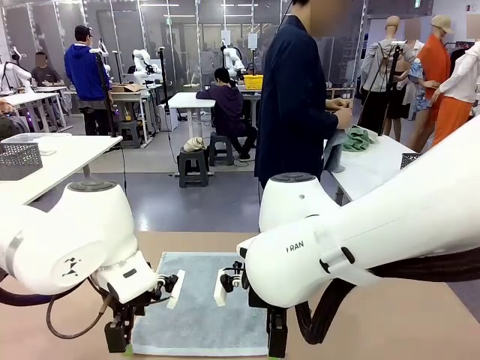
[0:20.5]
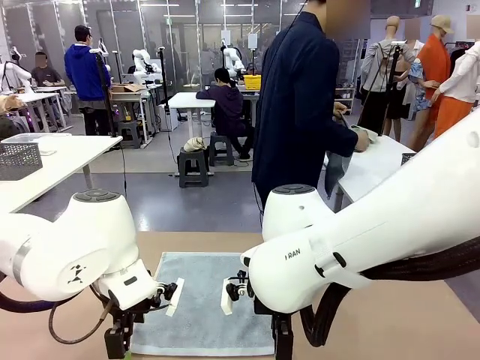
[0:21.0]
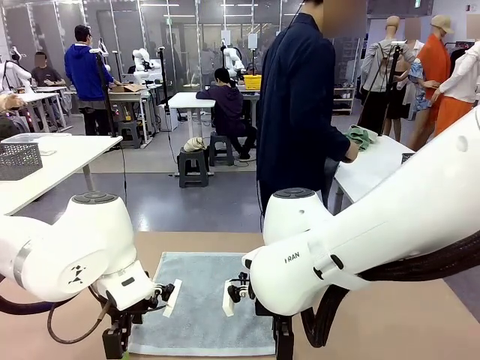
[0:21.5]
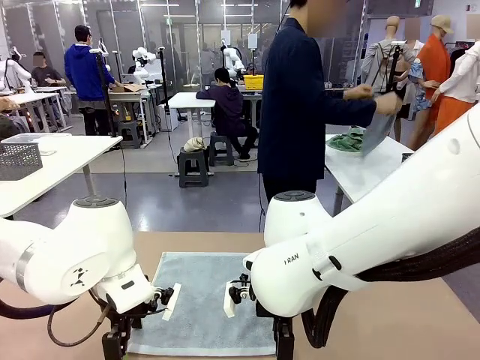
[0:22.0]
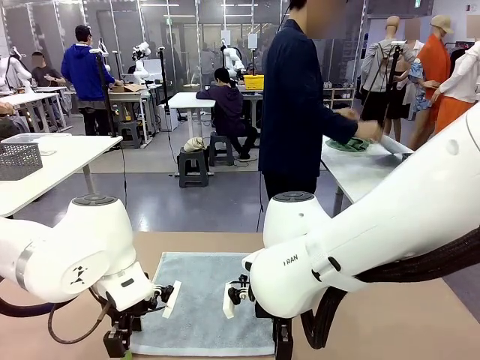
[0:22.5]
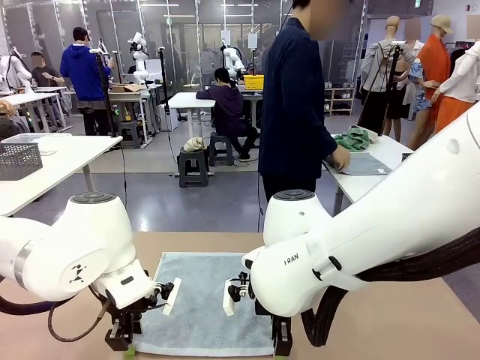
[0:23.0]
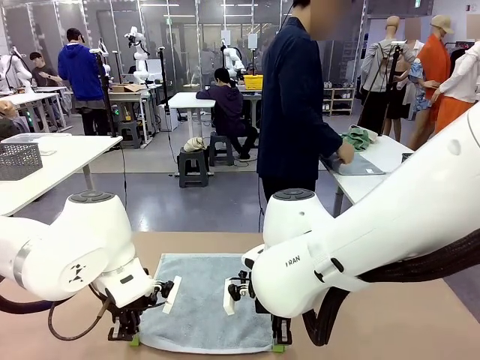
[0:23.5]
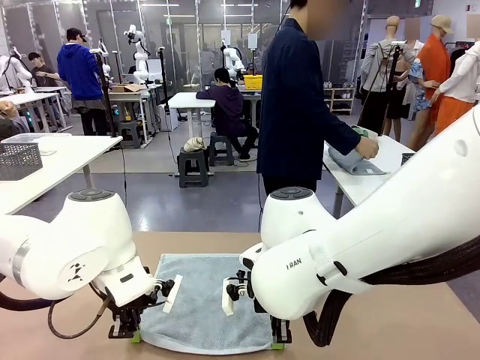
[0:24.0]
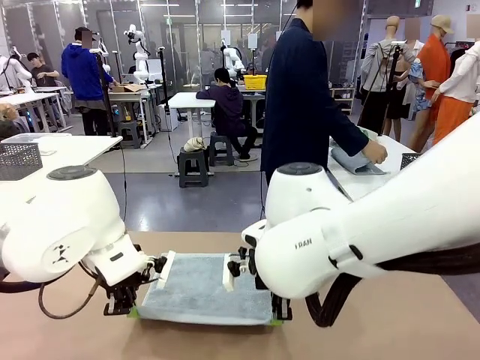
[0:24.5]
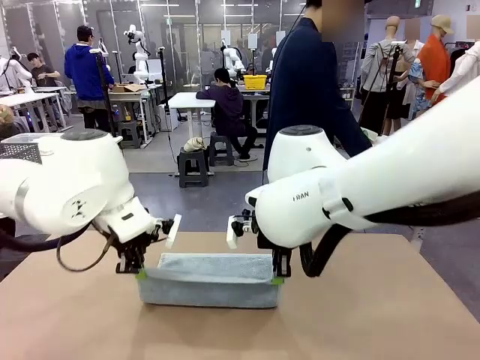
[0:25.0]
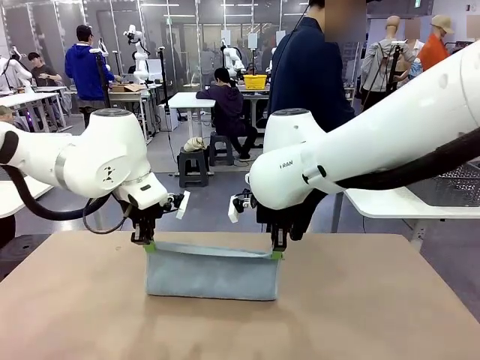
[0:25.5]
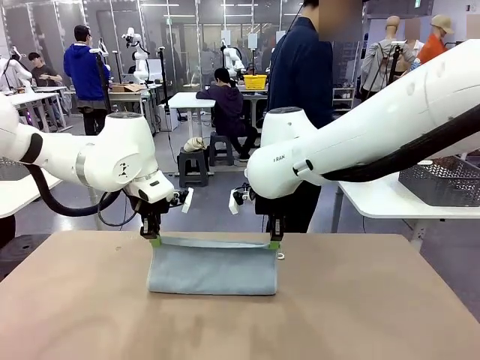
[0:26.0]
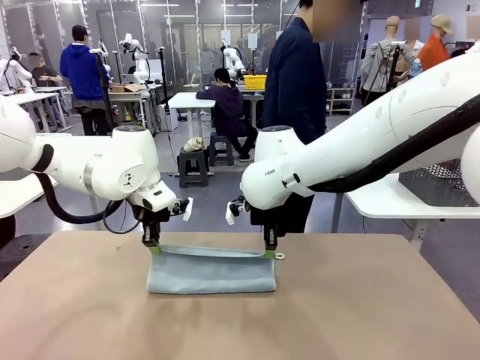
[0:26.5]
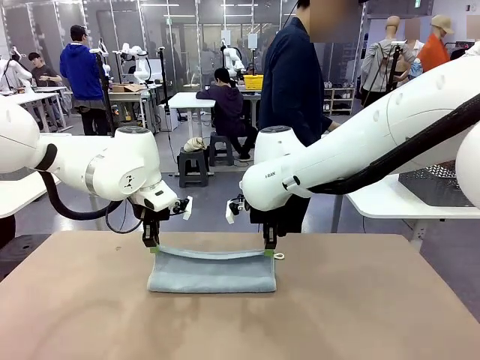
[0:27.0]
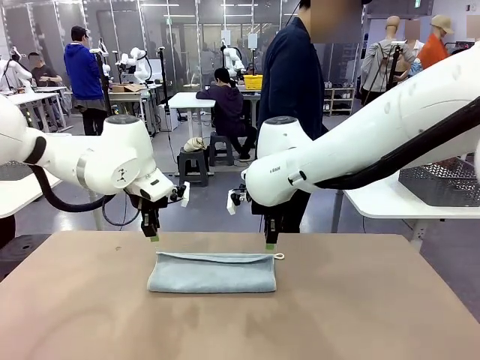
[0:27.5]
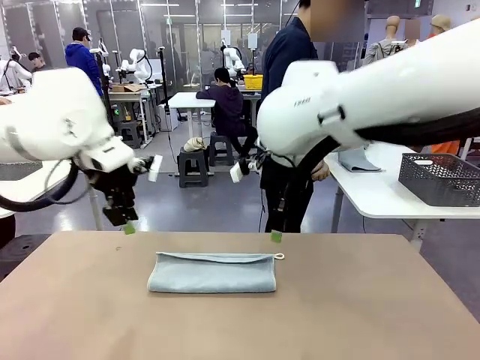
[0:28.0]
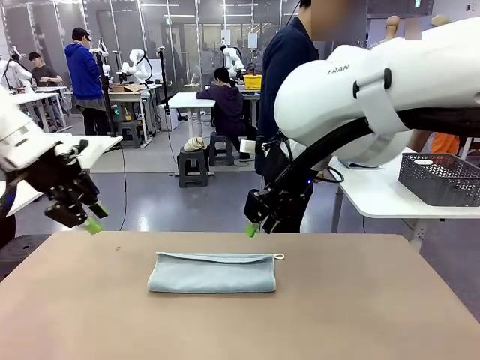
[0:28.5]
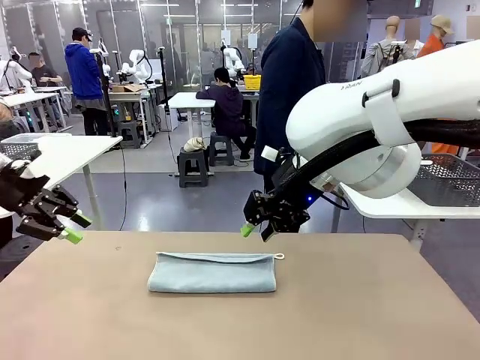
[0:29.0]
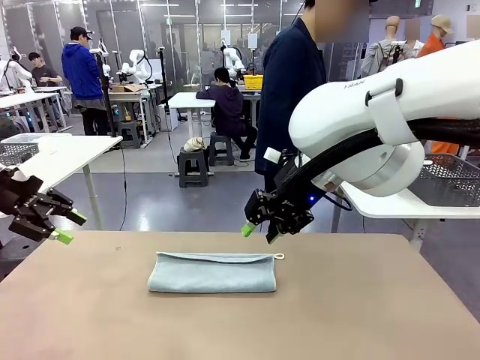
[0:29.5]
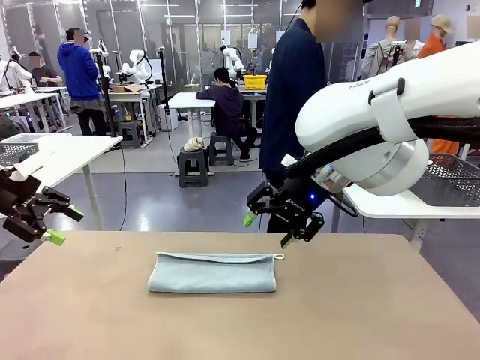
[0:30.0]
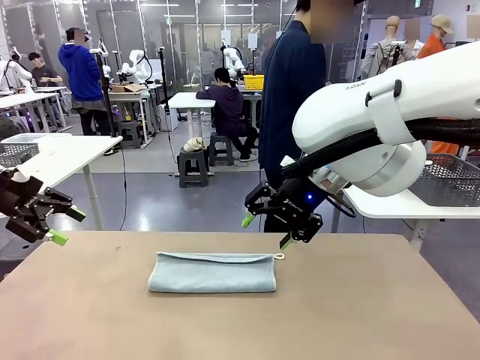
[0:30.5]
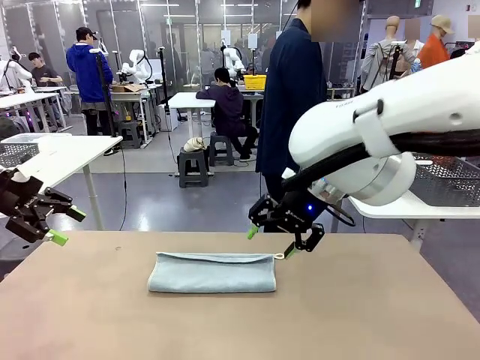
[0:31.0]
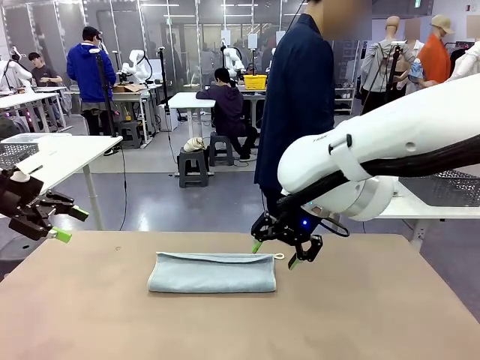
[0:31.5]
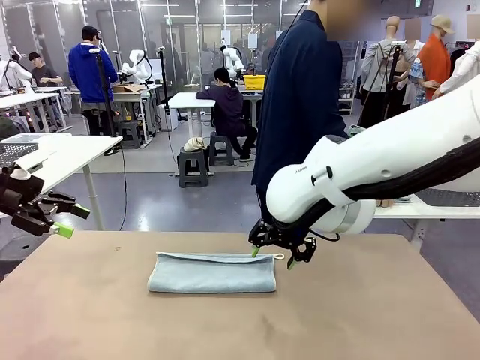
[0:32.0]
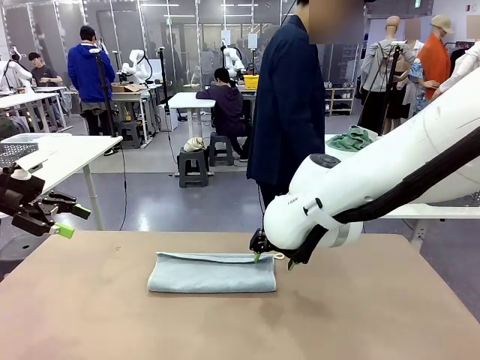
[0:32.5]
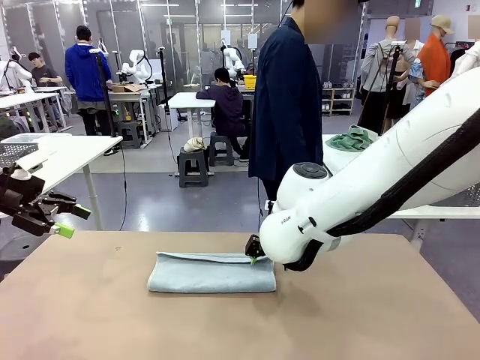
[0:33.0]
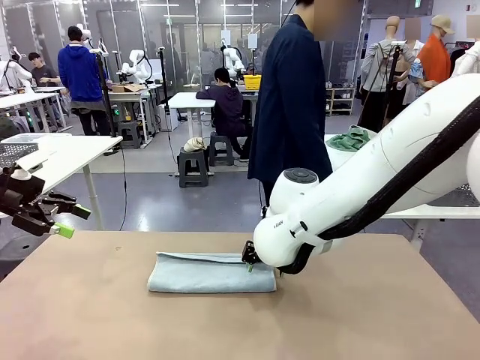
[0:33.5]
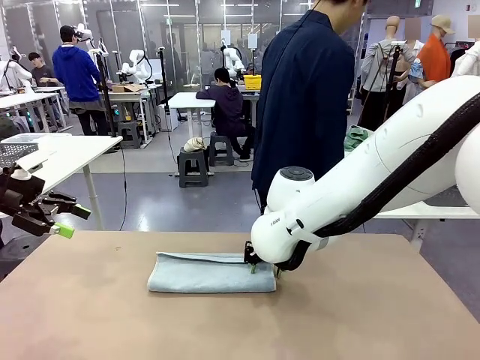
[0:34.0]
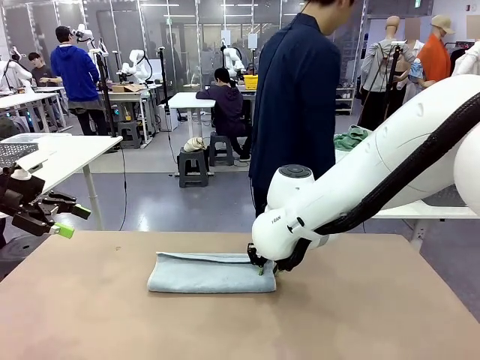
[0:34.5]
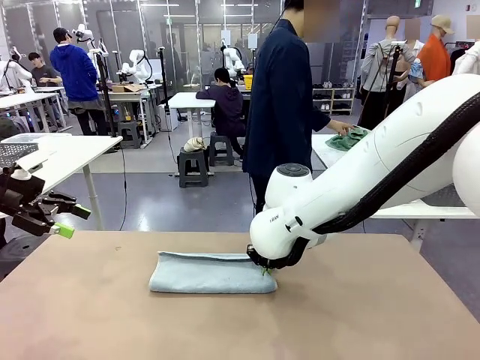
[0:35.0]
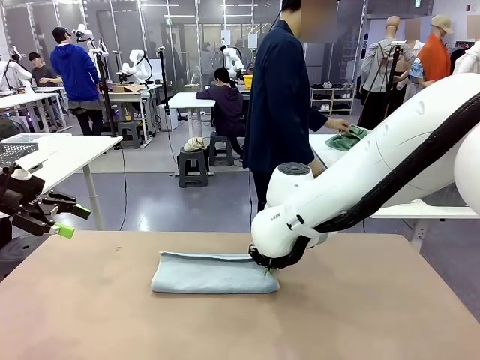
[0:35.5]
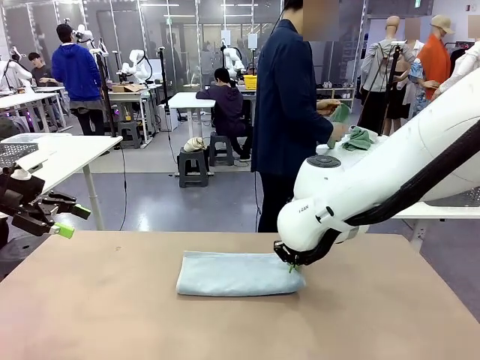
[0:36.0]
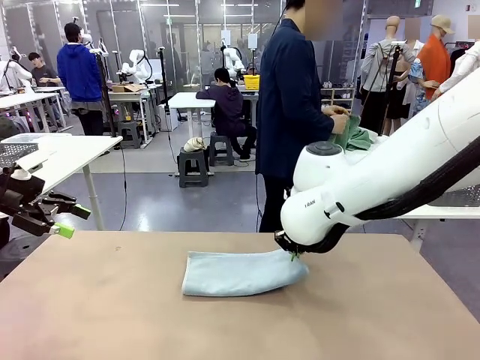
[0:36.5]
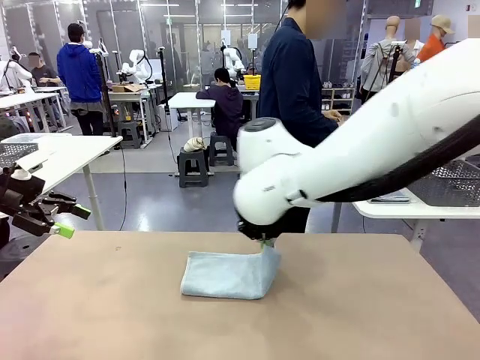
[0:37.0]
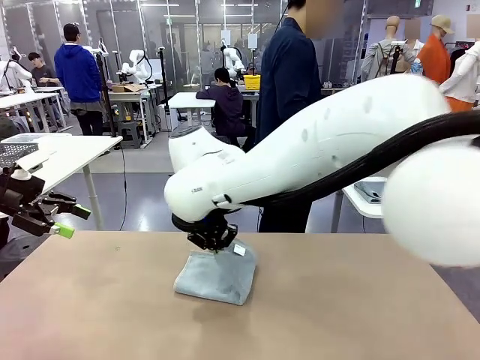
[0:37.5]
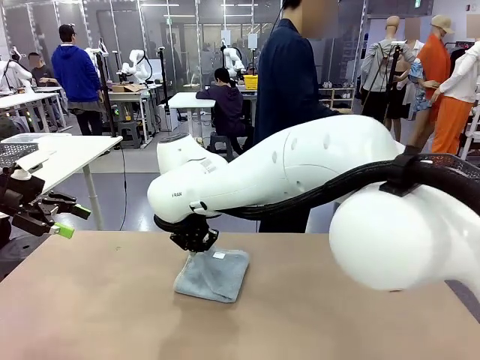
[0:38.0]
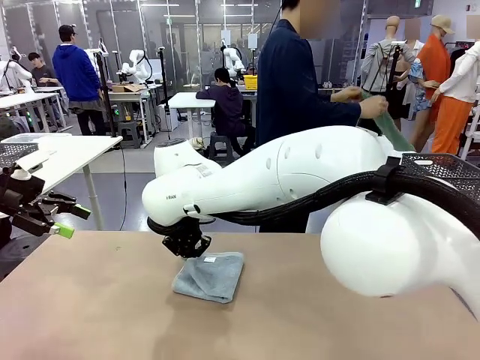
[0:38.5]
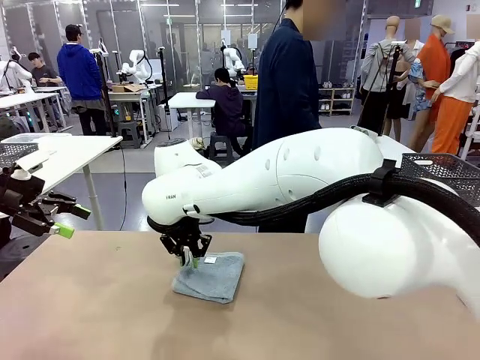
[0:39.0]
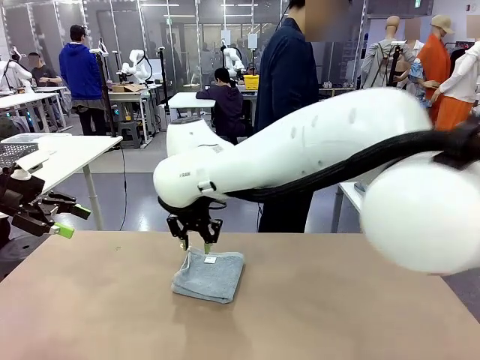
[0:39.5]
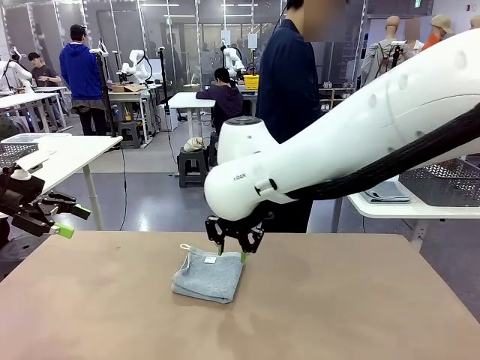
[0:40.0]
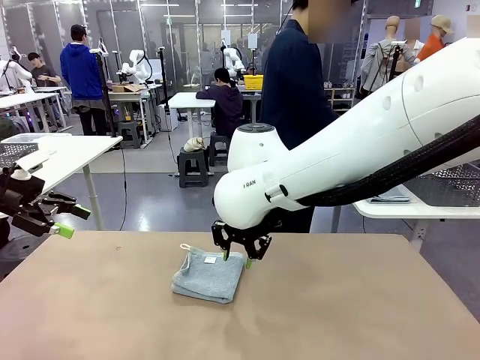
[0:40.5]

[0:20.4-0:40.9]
Task: Fold the towels and place them in the basket.
Robot: When a person lays out a Towel with hook on the table, fold it in half twice.
Person: Pick up one towel from the left side of the human table, fold it in half twice, and place it on the right side of the table. Pick up one towel from the left side of the human table, fold it in half twice, and stack it on the right side of the table.

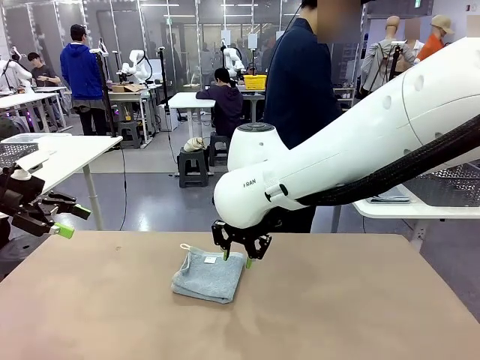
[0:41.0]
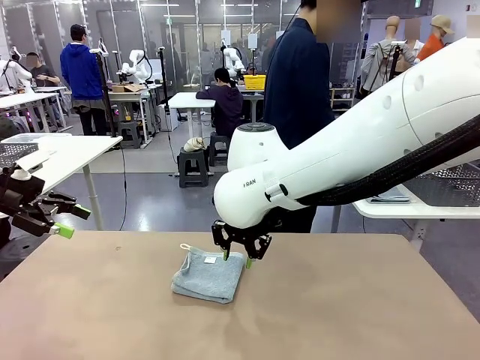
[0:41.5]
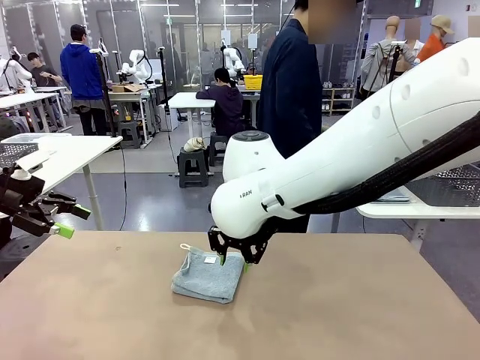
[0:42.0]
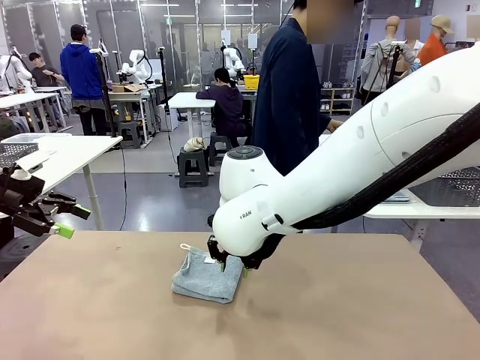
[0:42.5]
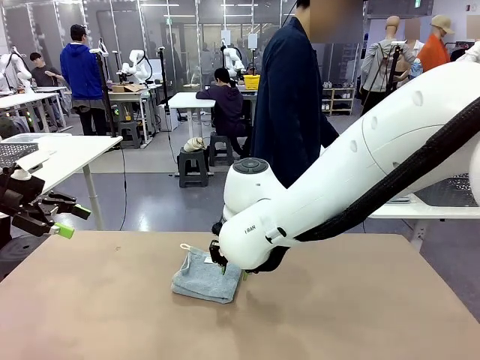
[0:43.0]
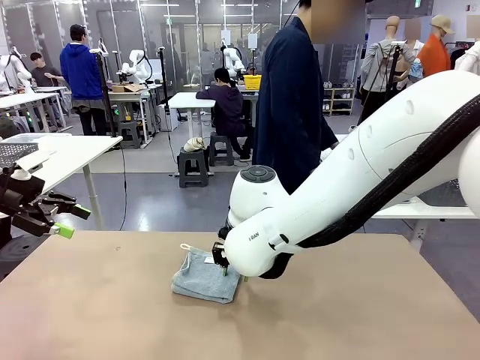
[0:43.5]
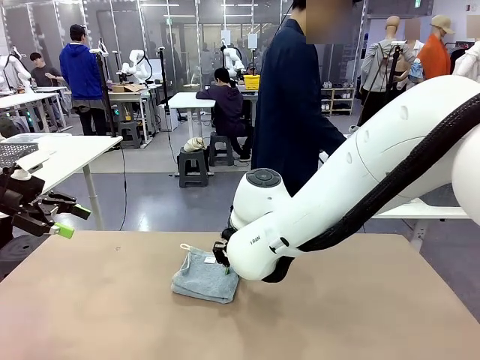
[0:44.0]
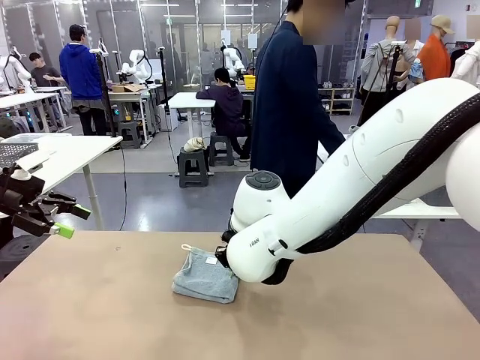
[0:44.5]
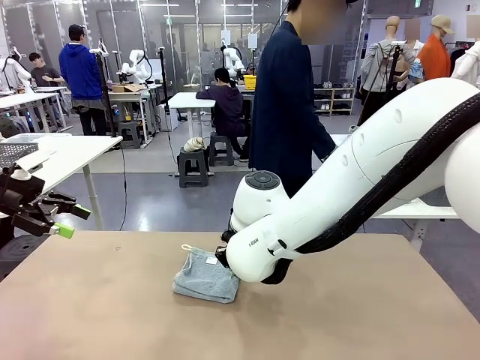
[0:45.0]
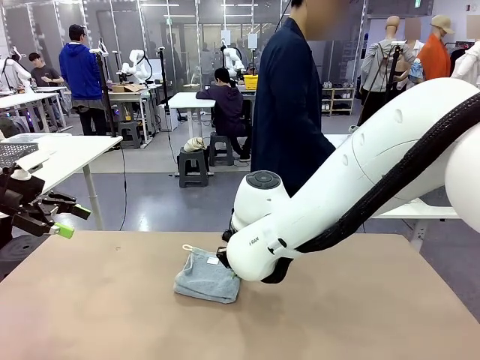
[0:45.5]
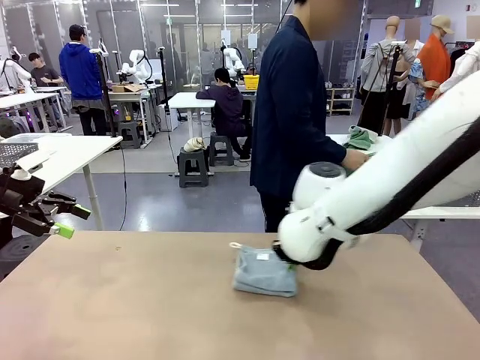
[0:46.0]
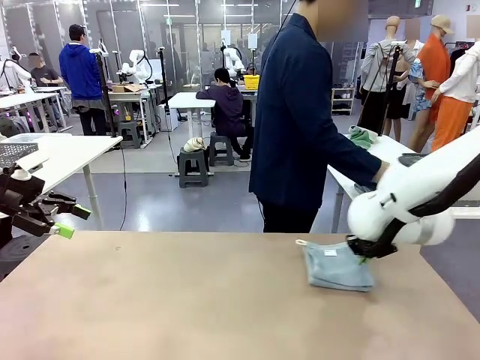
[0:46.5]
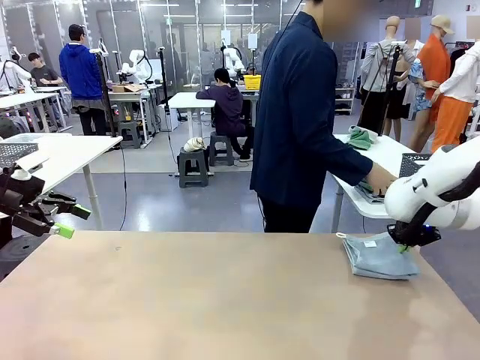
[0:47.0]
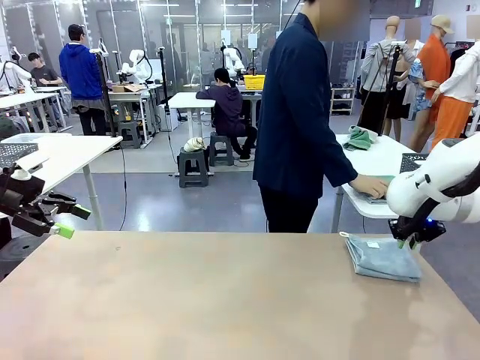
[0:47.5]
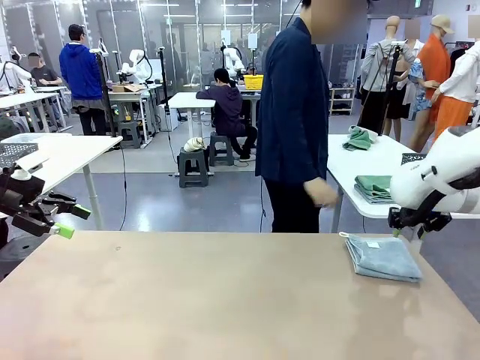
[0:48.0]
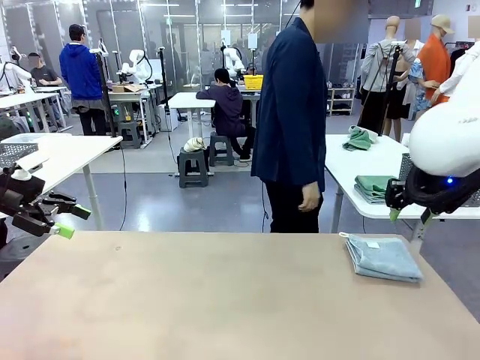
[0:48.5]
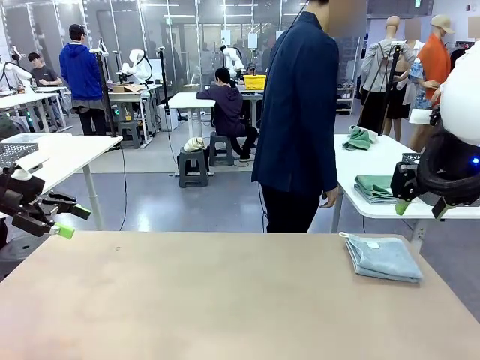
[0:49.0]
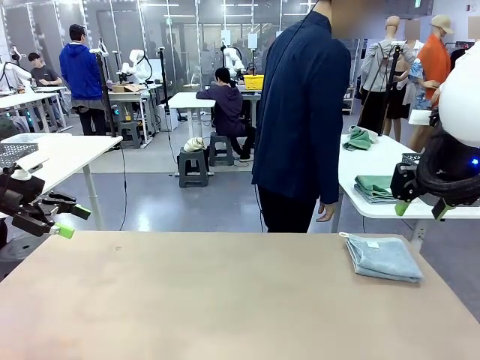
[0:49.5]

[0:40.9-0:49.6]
Robot: Place the folded Towel with hook on the right side of the table.
